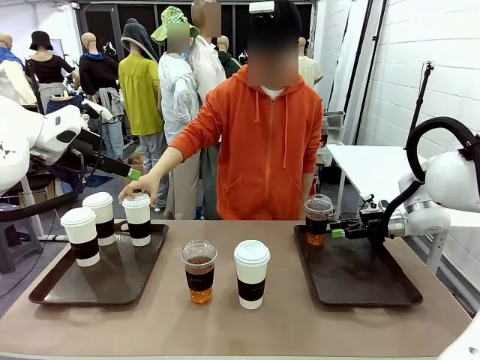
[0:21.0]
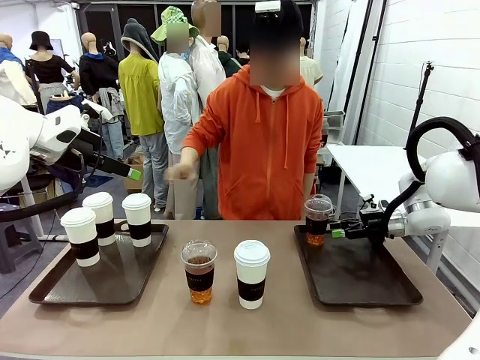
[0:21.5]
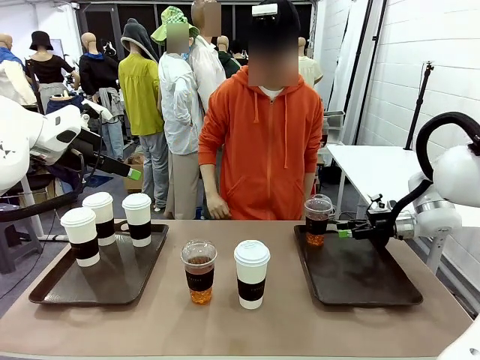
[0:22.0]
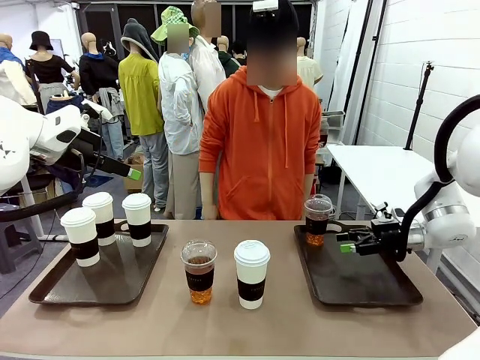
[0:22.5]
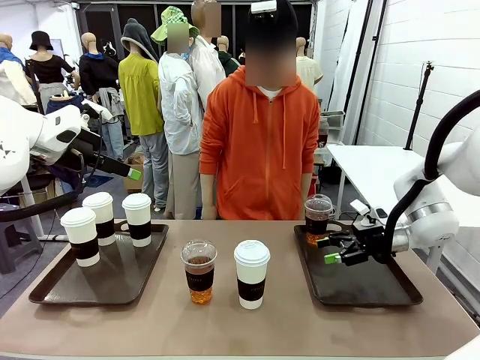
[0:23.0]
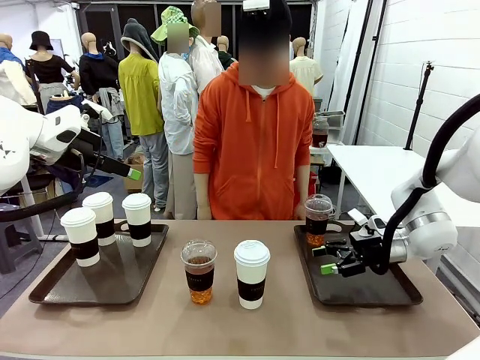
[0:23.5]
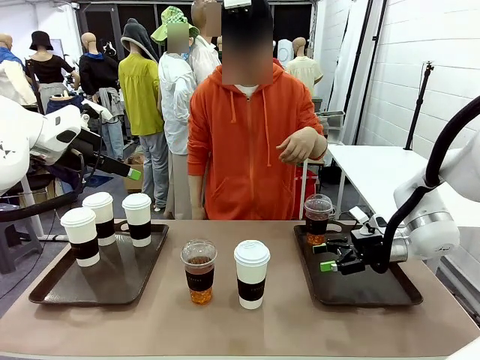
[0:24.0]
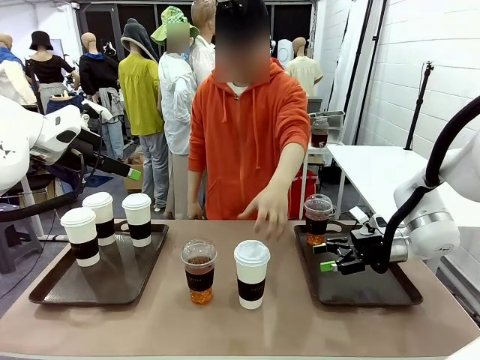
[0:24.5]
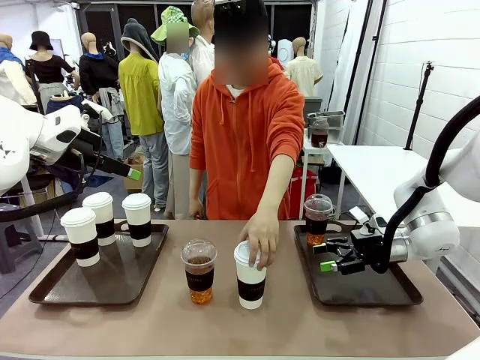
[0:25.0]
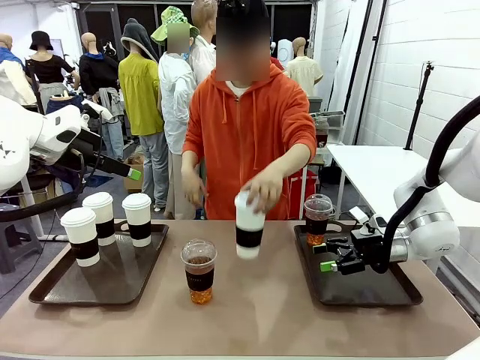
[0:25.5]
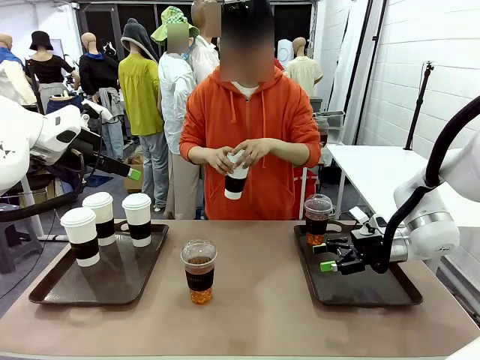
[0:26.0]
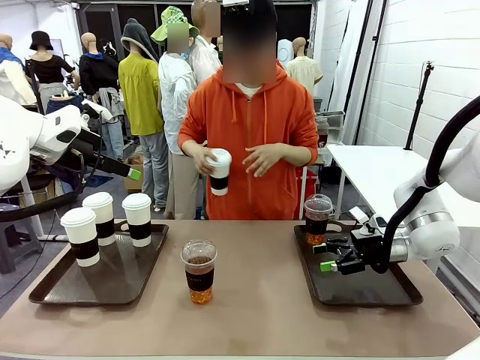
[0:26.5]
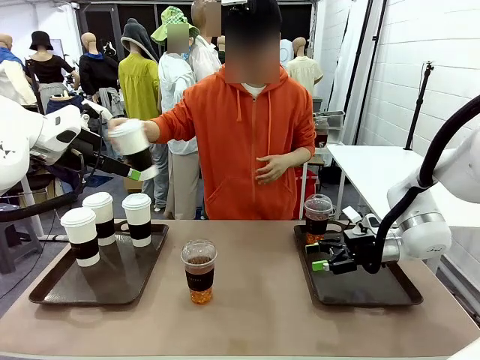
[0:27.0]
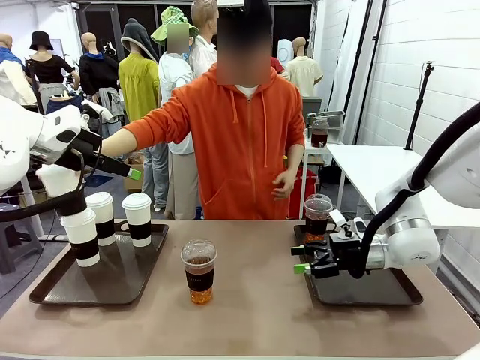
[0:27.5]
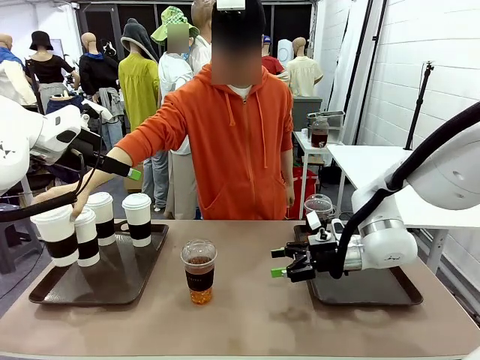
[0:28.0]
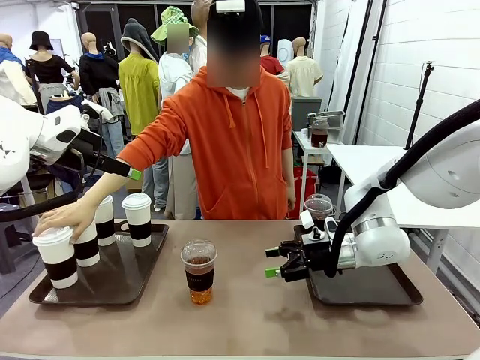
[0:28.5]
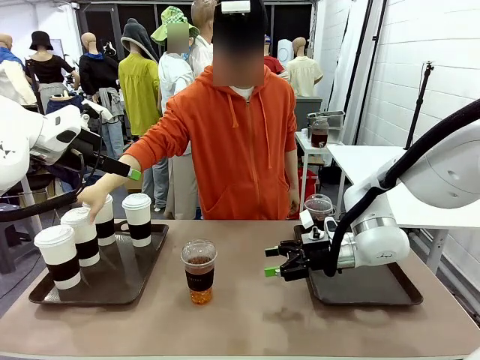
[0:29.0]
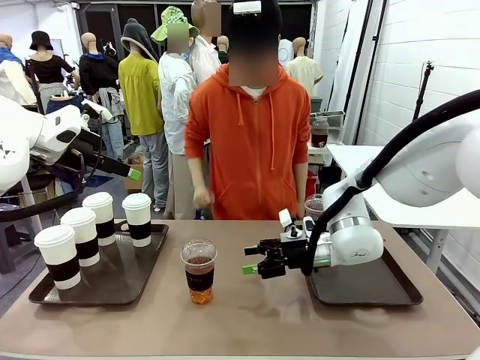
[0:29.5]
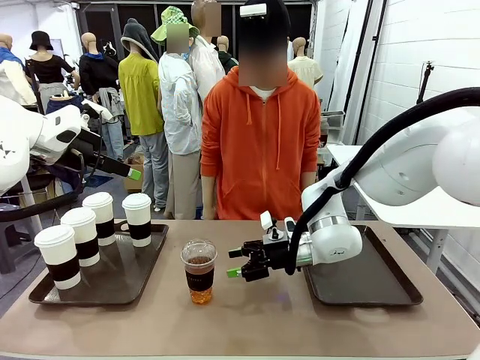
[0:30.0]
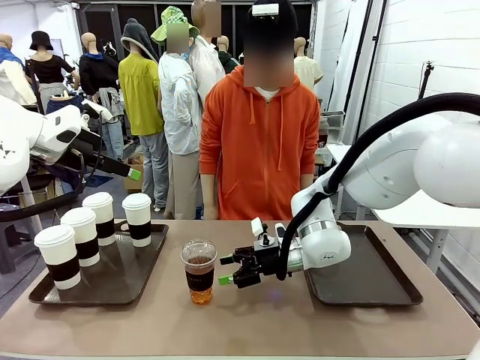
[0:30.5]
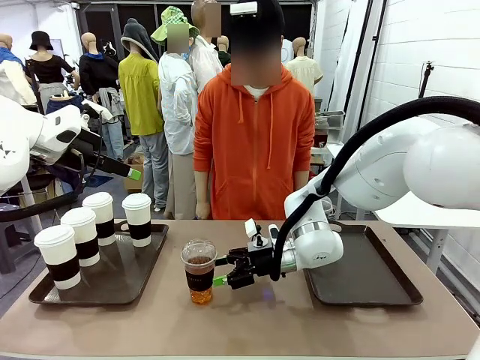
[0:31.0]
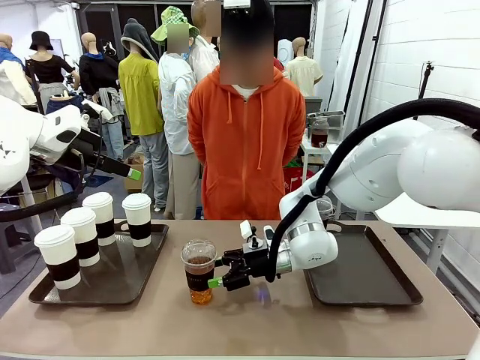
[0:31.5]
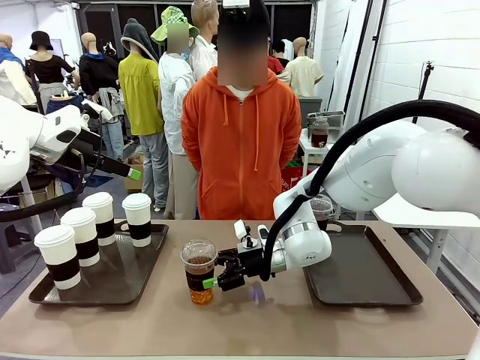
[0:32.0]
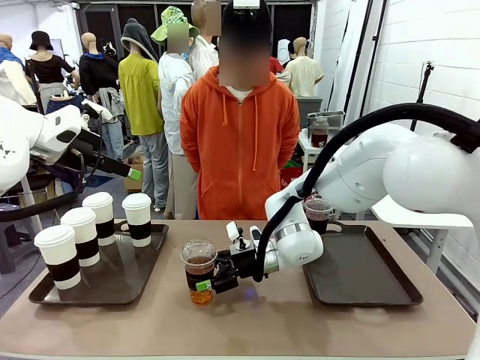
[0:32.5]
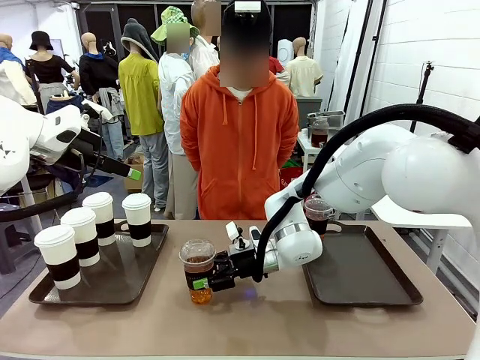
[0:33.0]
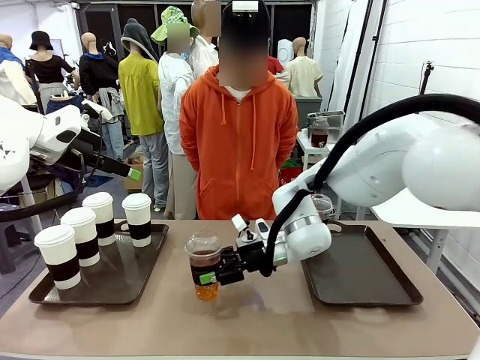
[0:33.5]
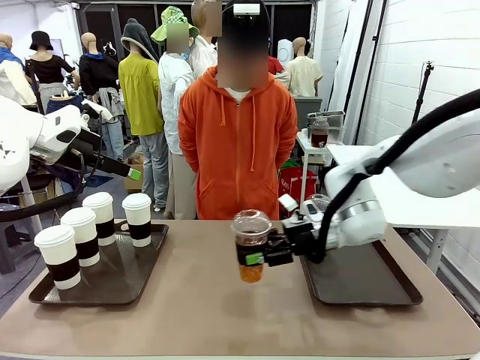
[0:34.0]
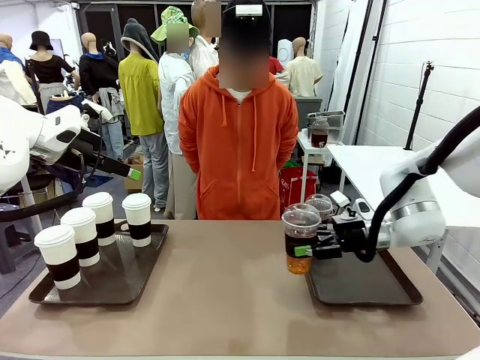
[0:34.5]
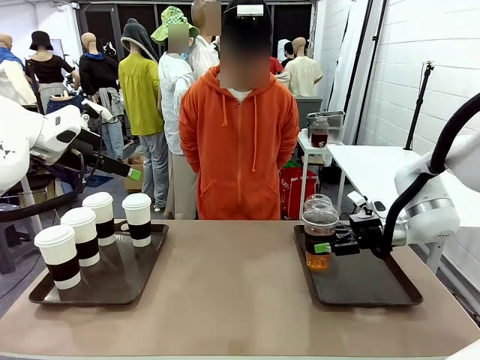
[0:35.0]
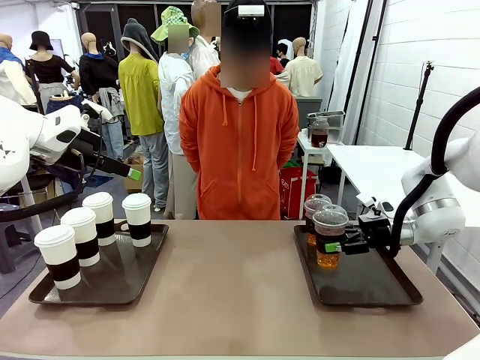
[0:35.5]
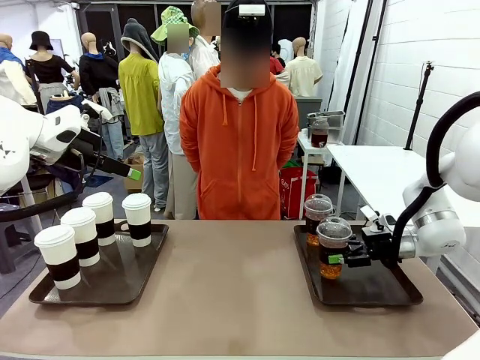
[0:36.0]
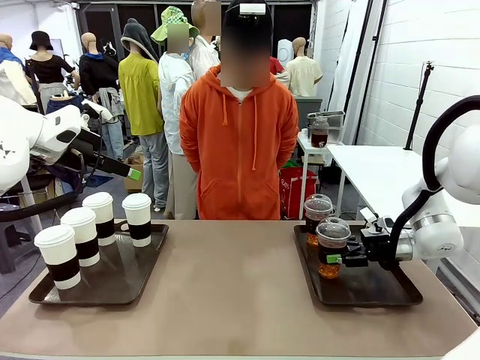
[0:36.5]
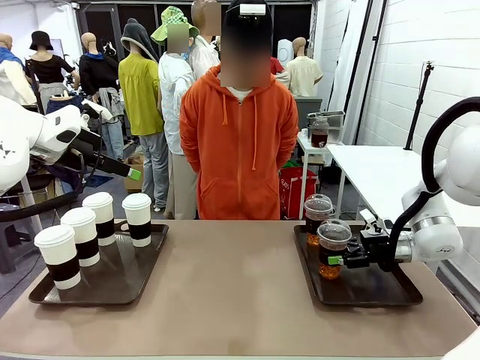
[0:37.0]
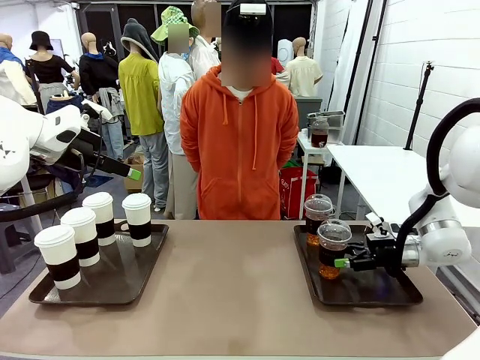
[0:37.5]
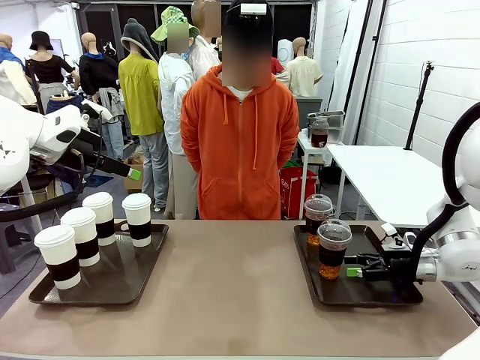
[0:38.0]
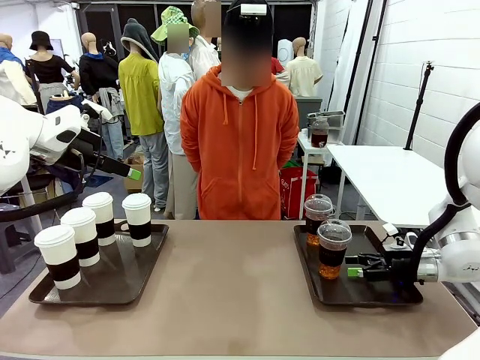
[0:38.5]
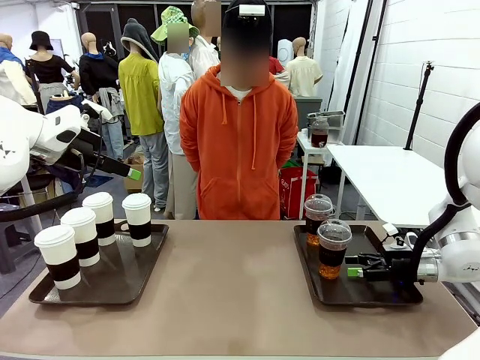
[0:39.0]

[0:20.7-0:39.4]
Task: Distribute the coffee onto the tray.
Robot: Pick up another iced Americano from the middle of the table and place it on the right Handle tray.
Person: Pick up a cup of hot Americano from the middle of the table and place it on the right tray.
